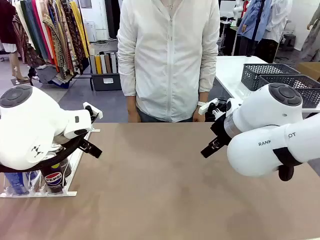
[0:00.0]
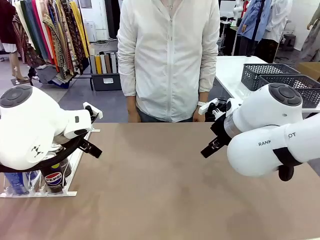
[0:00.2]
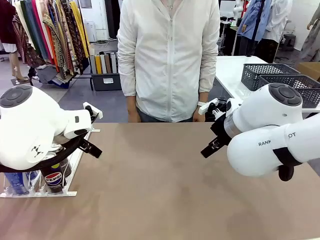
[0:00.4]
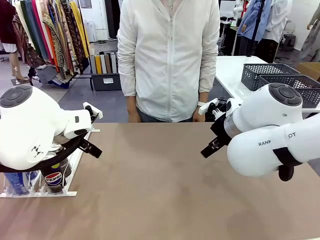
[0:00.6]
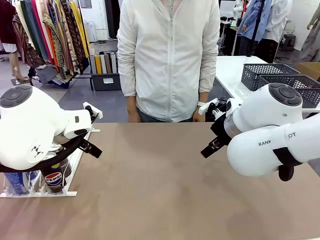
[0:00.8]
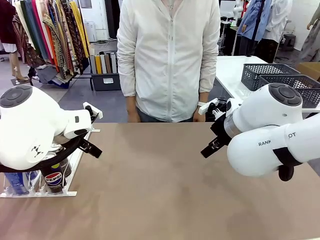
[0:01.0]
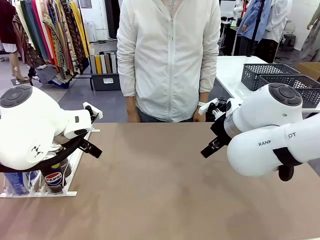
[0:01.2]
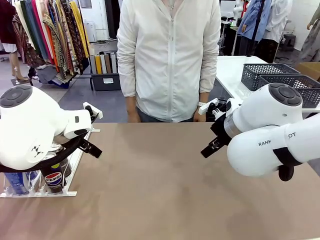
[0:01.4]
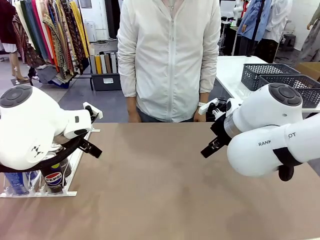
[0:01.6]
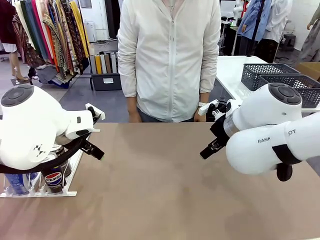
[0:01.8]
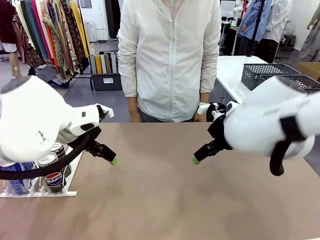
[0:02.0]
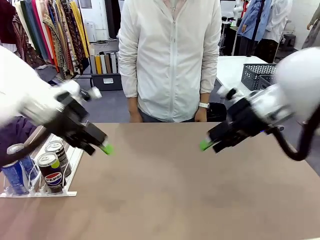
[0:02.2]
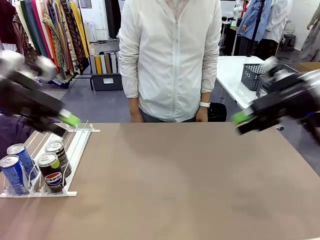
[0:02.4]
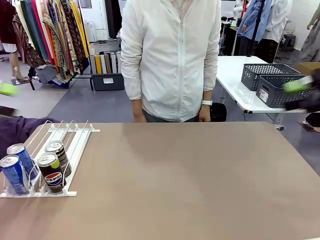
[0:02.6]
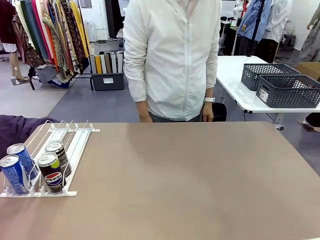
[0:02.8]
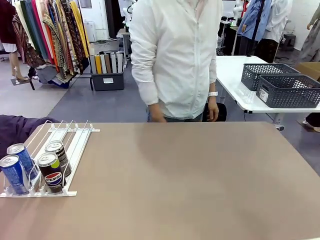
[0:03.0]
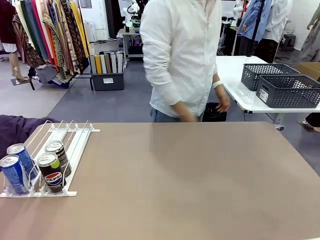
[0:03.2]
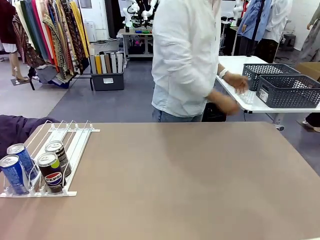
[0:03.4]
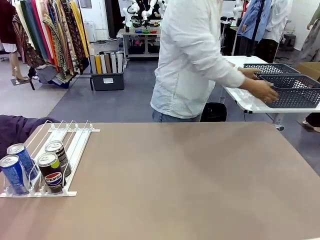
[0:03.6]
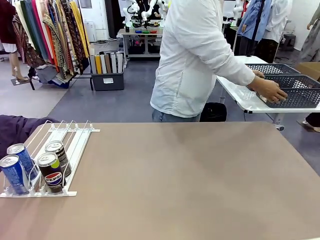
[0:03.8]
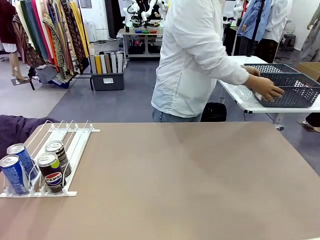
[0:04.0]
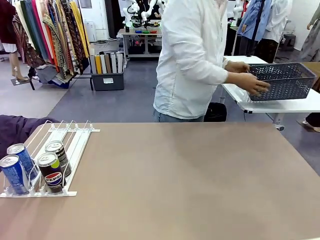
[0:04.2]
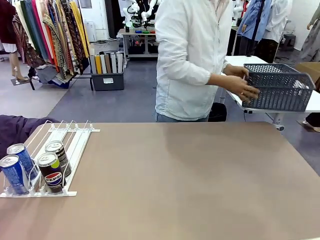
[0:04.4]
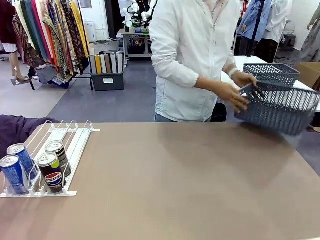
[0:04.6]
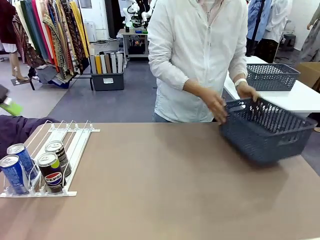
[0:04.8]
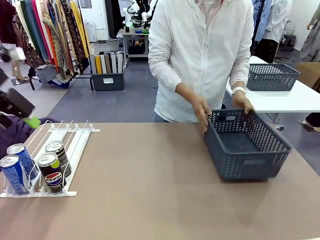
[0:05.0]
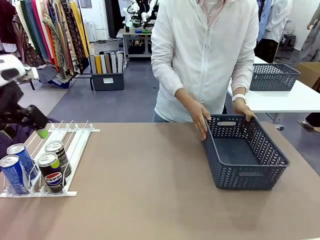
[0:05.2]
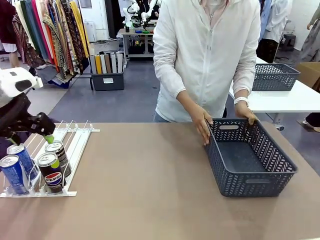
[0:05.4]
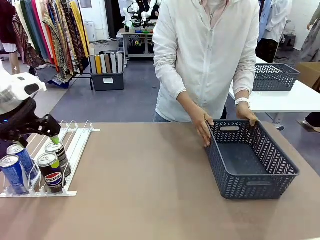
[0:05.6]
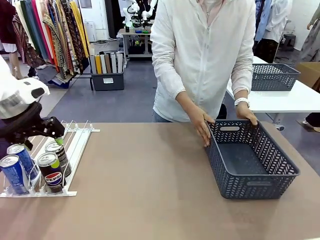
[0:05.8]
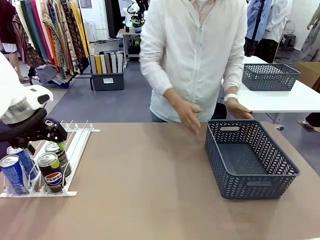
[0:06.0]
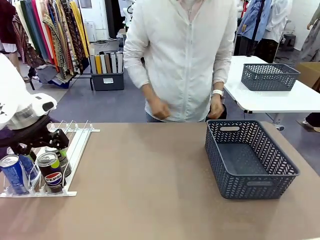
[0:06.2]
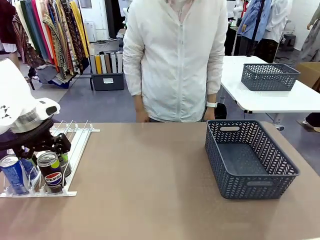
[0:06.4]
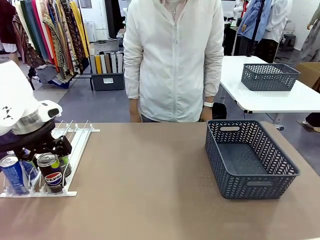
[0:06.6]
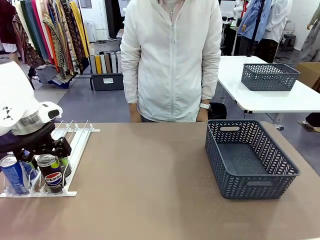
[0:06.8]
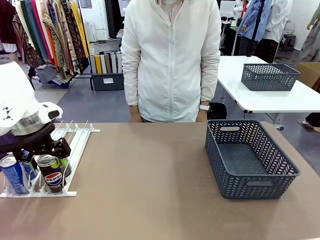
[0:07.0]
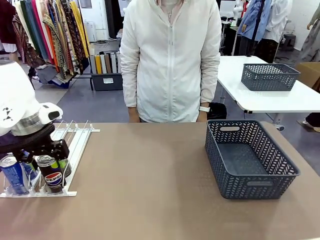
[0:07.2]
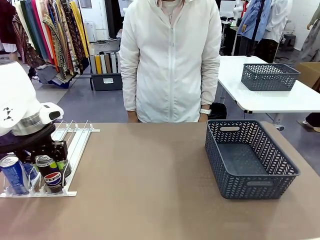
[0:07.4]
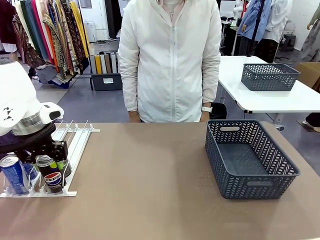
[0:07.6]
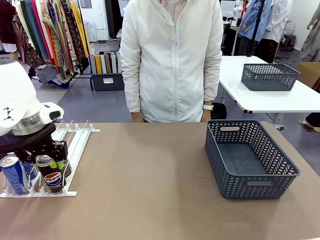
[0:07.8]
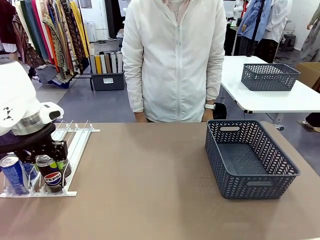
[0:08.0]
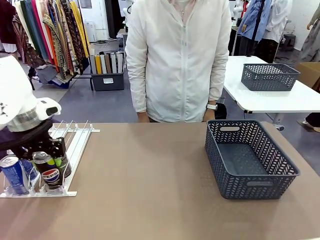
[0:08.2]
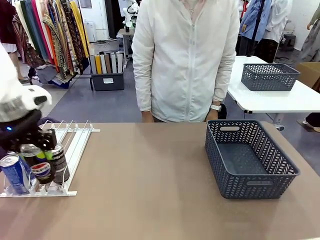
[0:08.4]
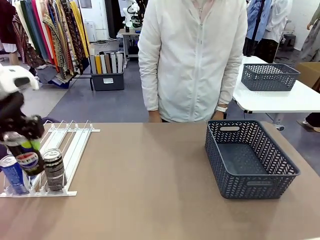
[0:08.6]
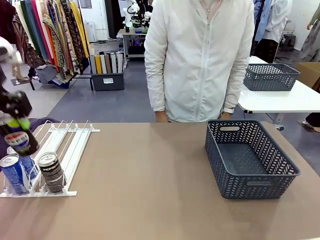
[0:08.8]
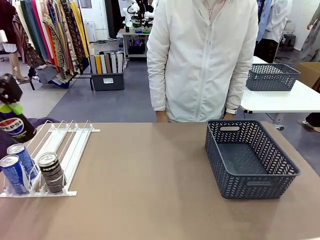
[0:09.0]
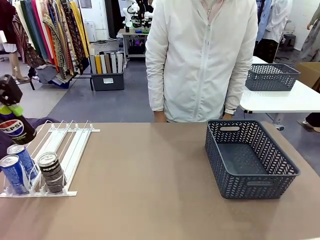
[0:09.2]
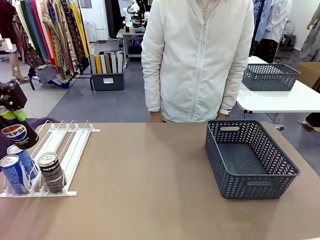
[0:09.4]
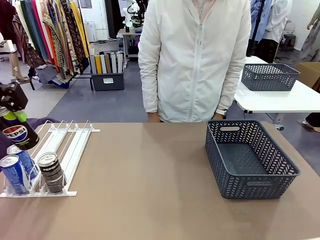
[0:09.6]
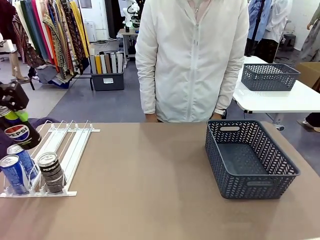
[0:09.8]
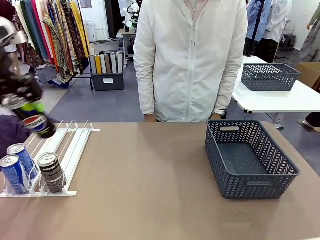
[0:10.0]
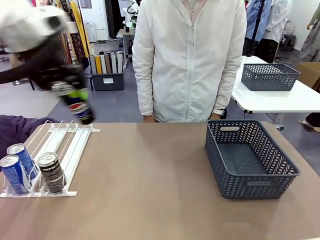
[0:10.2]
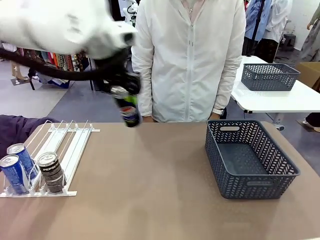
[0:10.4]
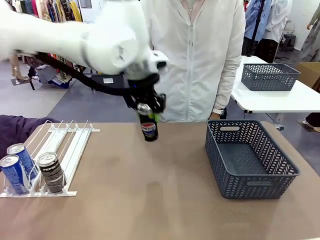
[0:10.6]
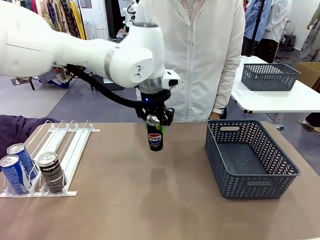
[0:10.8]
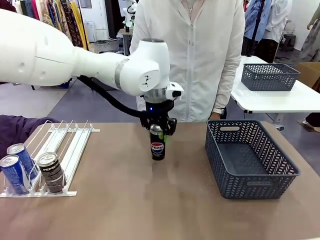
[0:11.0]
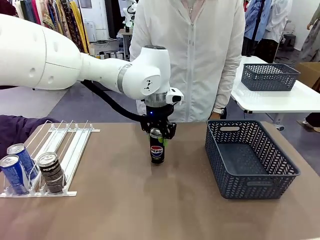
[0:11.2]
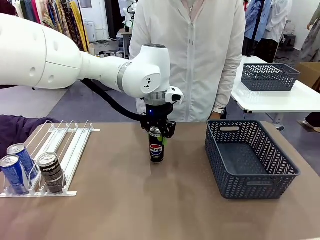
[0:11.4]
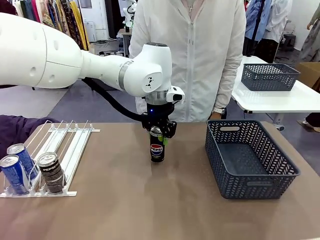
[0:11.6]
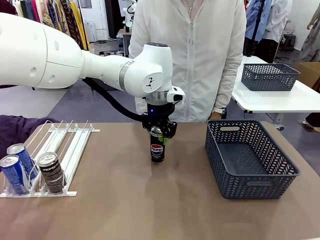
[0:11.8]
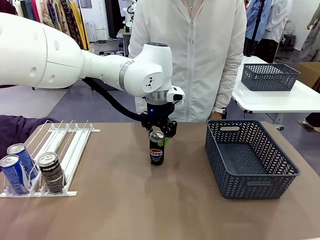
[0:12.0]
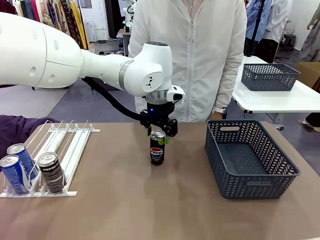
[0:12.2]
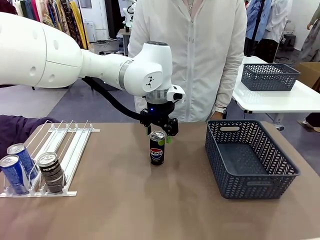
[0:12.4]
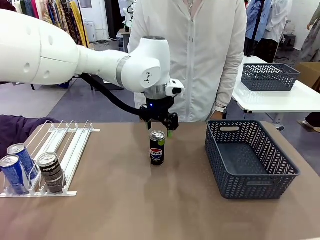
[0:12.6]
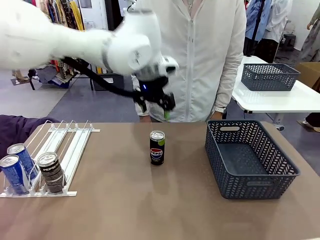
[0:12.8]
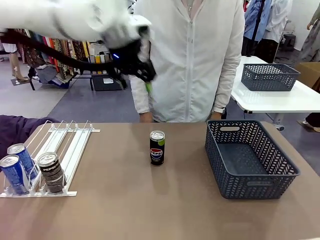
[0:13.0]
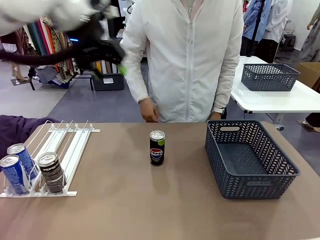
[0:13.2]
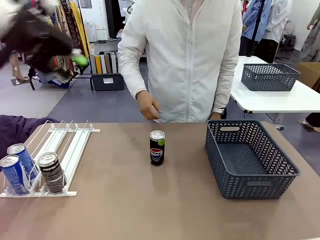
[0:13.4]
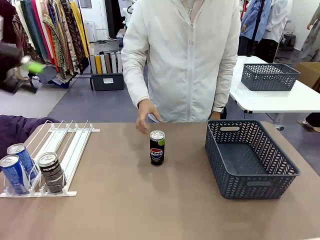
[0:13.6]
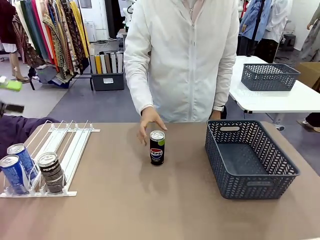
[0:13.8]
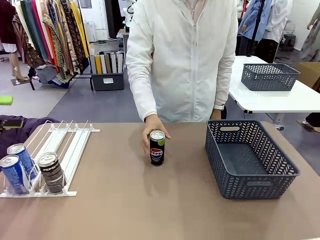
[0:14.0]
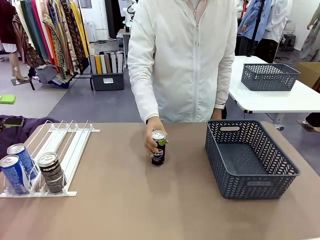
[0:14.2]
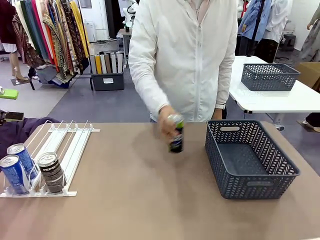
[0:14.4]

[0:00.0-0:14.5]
Task: Retrieve and store the cans from the dispenser.
Robot: Pick up one can from the Automatic Can Dispenser and place it in the middle of the table.
Person: Pick up the basket and place it on the left side of the robot table.

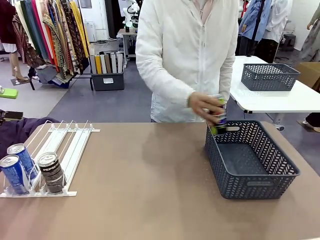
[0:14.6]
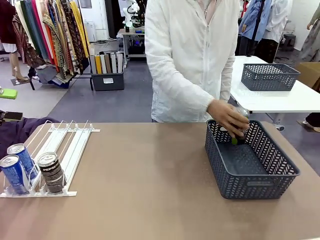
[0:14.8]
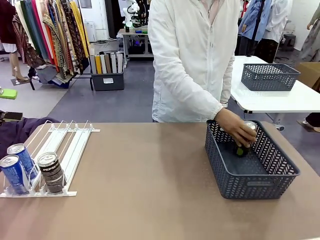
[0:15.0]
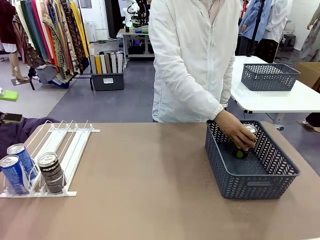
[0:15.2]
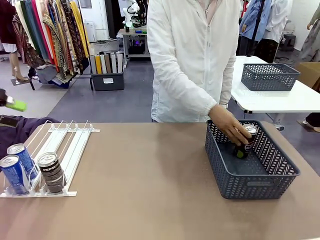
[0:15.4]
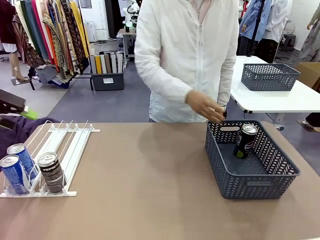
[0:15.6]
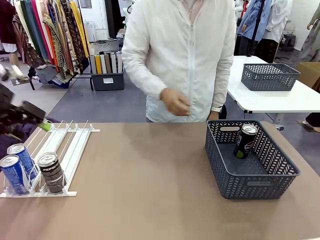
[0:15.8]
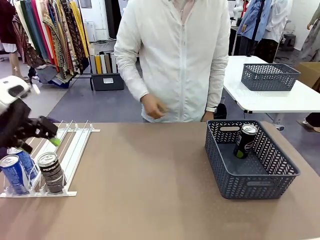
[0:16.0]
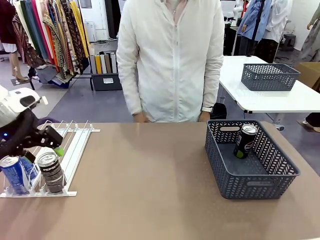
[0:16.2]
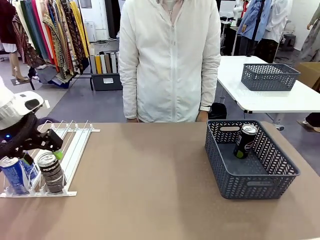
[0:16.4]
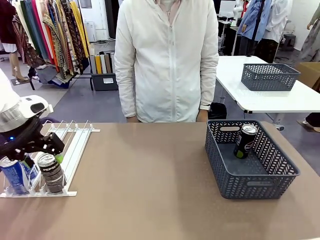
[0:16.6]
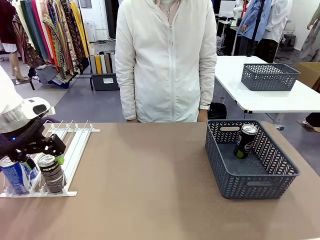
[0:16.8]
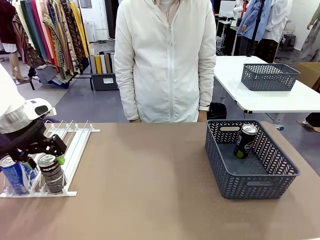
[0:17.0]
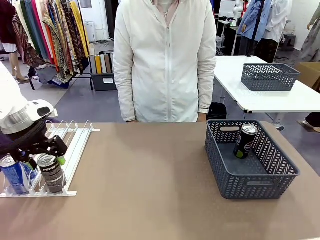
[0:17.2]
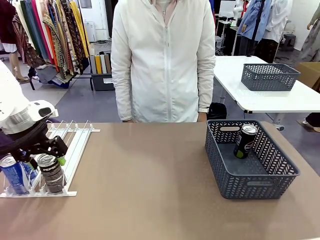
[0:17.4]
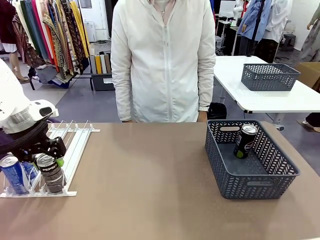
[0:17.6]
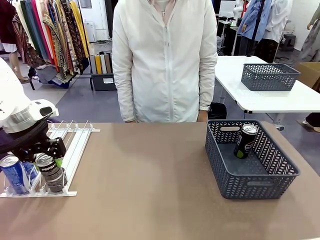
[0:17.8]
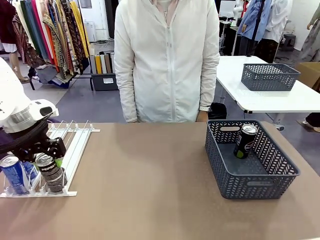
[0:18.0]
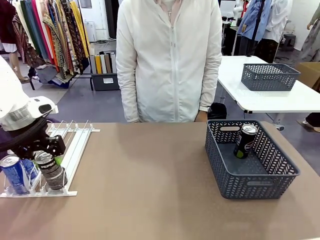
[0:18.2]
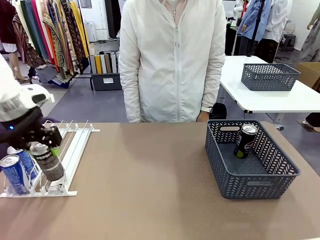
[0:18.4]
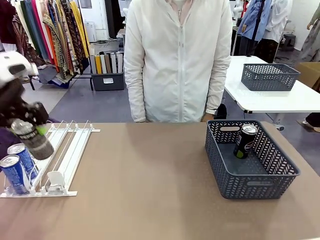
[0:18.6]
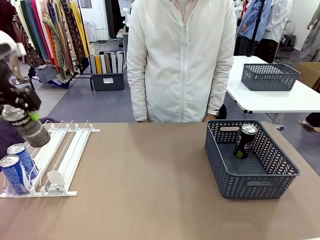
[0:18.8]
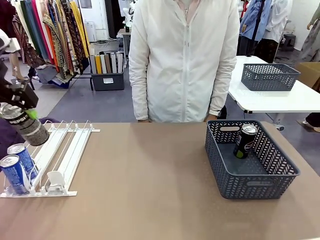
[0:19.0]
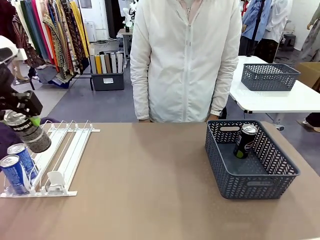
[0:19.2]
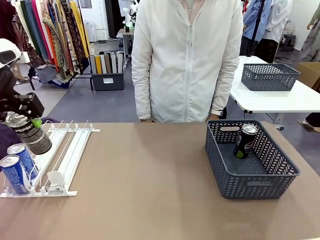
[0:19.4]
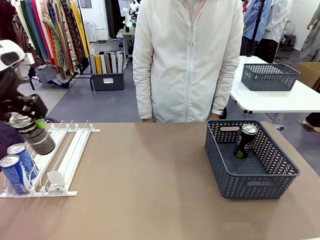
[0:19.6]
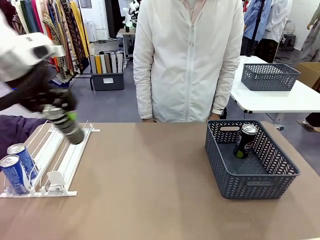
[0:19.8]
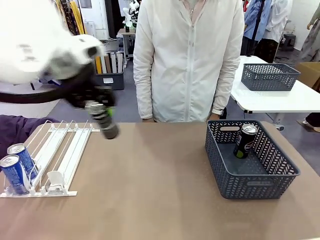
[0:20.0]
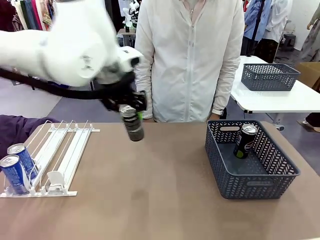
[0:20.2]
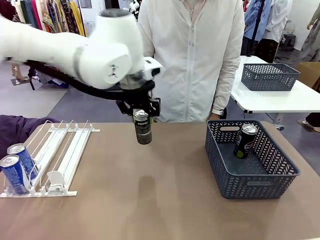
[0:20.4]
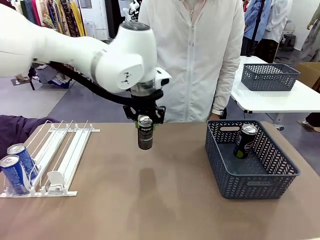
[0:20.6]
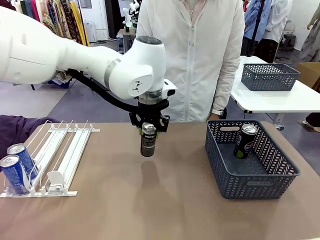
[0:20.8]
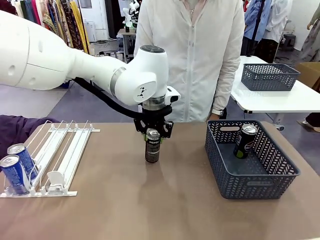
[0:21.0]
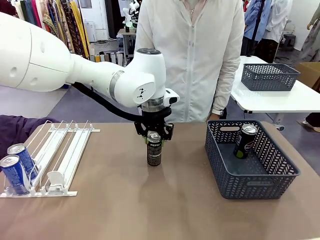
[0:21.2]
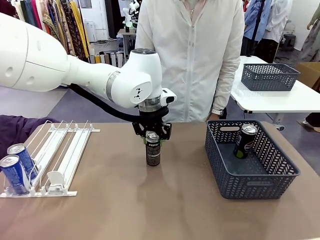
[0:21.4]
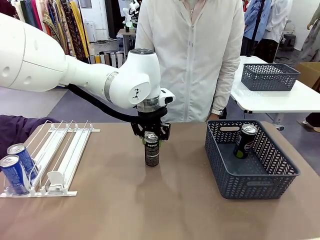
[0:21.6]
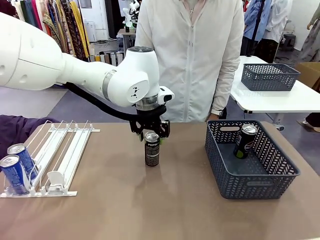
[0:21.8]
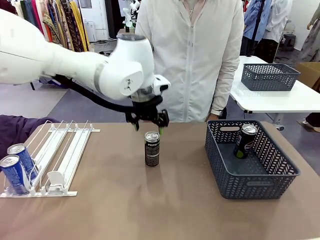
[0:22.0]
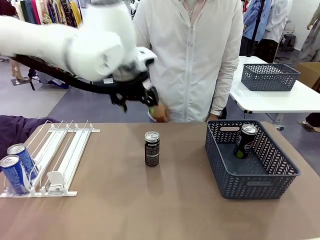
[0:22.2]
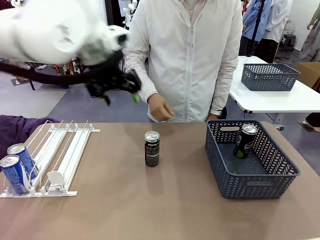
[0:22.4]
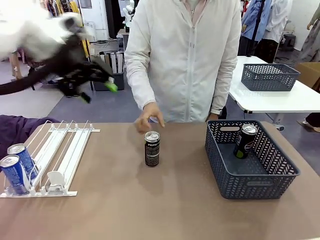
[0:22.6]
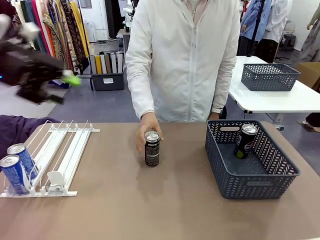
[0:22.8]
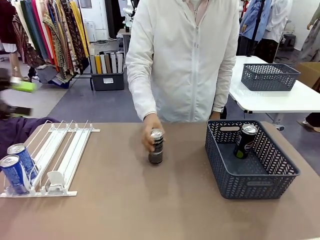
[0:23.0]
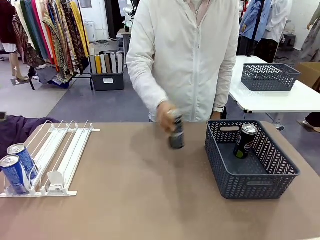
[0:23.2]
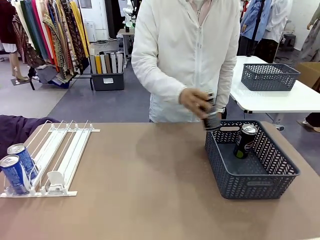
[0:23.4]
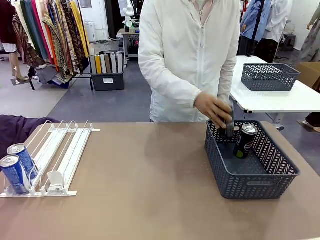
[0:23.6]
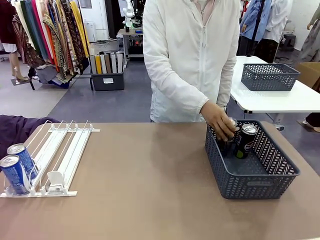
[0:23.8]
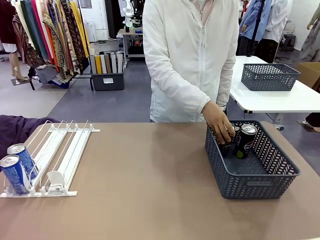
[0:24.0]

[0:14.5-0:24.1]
Robot: Pick up the last remaining can from one row of the Automatic Can Dispenser and place it in the middle of the table.
Person: Pick up one Pepsi can from the middle of the robot table and place it in the basket.
